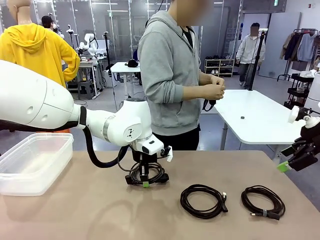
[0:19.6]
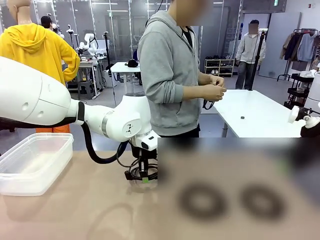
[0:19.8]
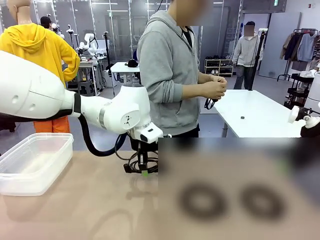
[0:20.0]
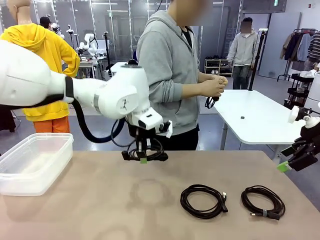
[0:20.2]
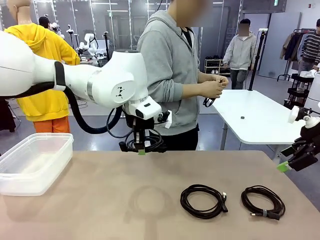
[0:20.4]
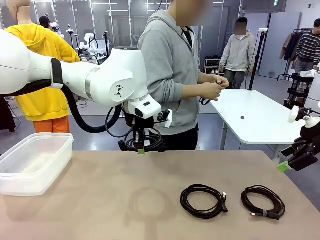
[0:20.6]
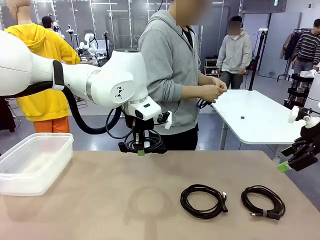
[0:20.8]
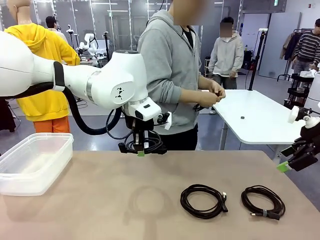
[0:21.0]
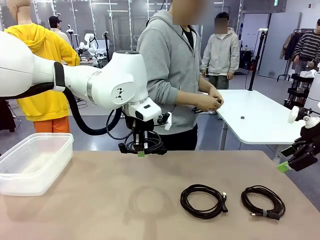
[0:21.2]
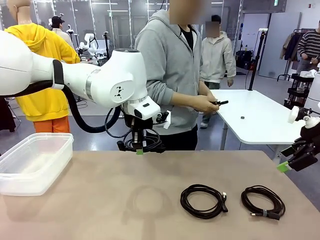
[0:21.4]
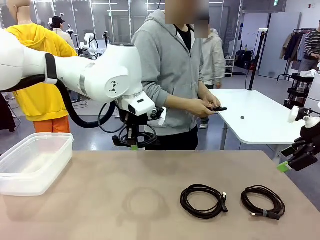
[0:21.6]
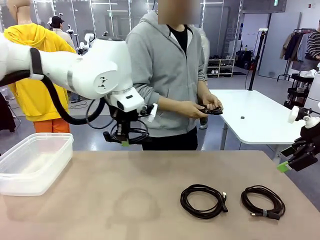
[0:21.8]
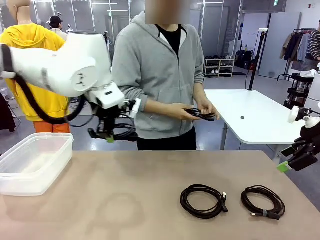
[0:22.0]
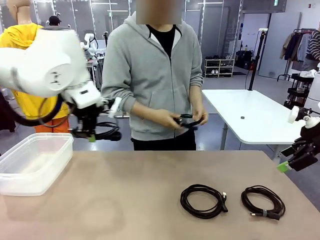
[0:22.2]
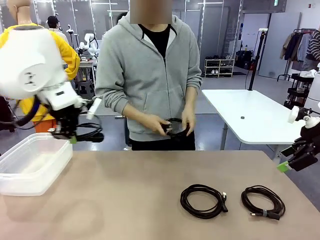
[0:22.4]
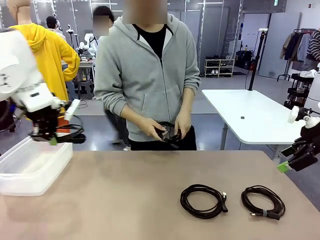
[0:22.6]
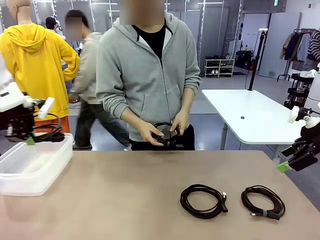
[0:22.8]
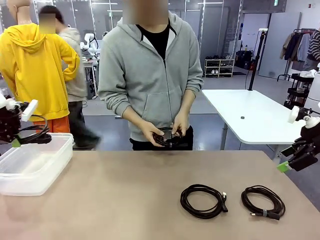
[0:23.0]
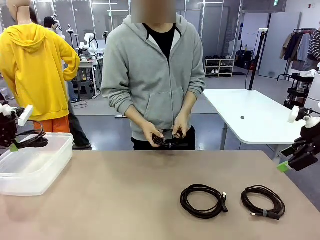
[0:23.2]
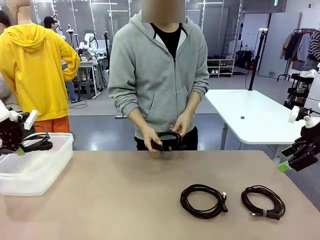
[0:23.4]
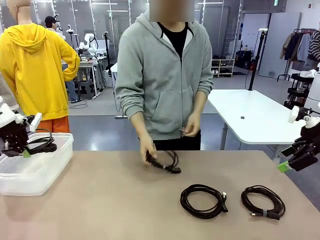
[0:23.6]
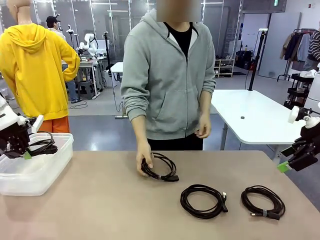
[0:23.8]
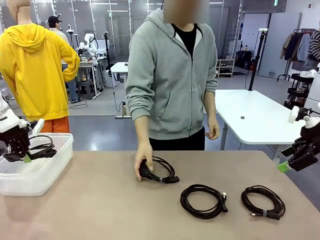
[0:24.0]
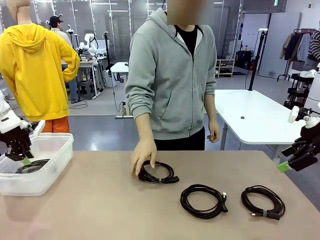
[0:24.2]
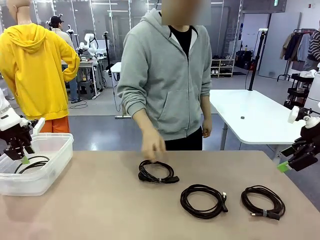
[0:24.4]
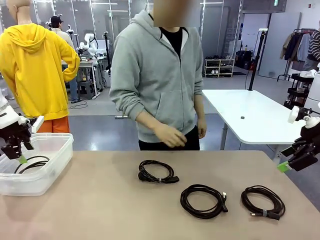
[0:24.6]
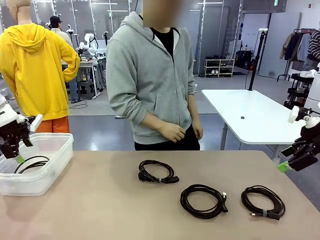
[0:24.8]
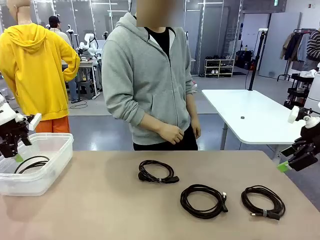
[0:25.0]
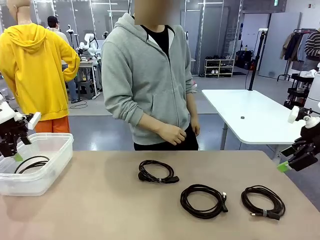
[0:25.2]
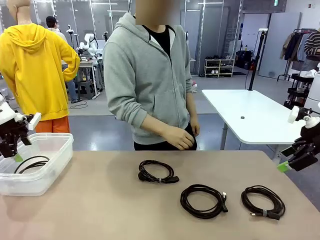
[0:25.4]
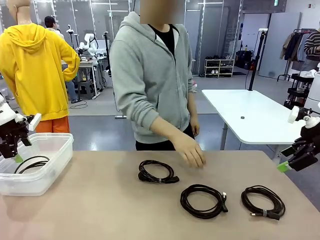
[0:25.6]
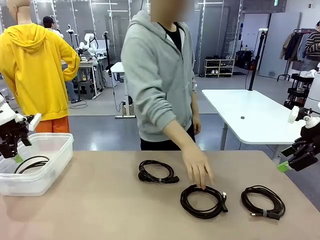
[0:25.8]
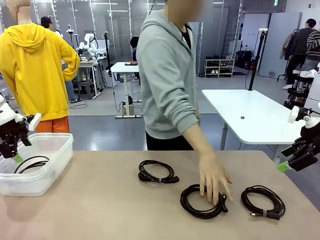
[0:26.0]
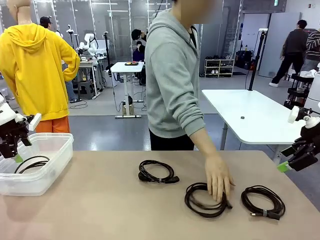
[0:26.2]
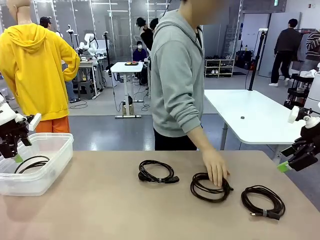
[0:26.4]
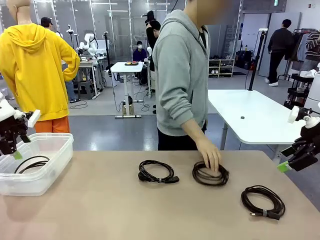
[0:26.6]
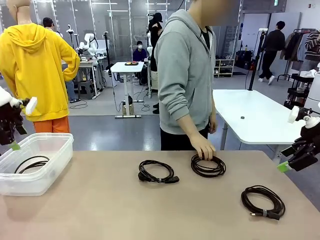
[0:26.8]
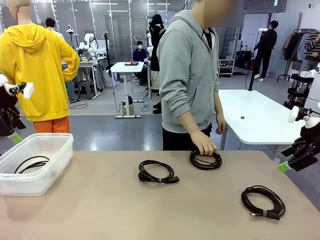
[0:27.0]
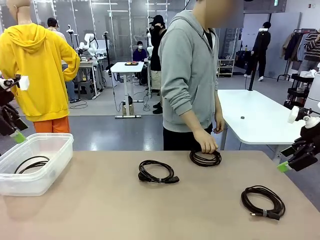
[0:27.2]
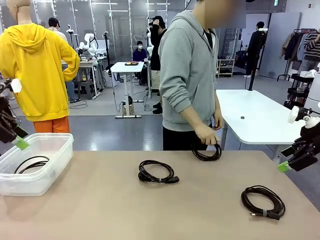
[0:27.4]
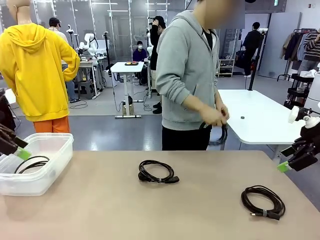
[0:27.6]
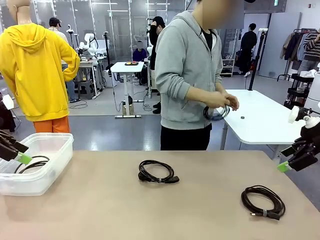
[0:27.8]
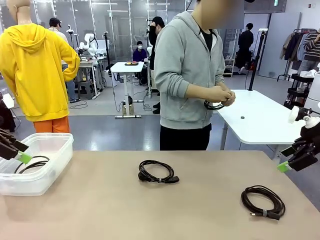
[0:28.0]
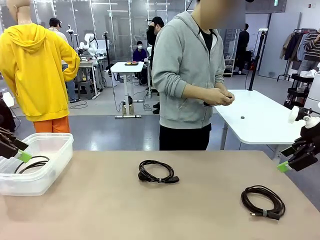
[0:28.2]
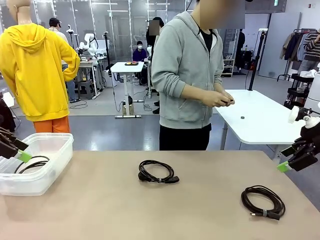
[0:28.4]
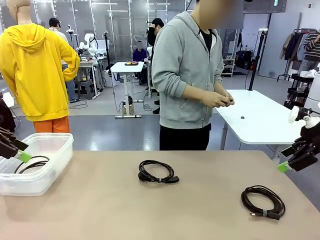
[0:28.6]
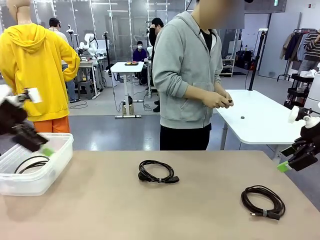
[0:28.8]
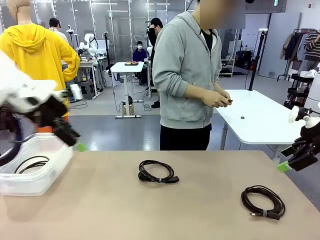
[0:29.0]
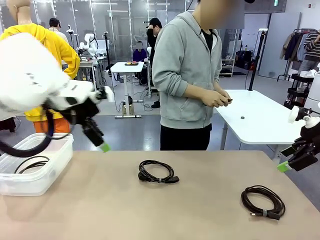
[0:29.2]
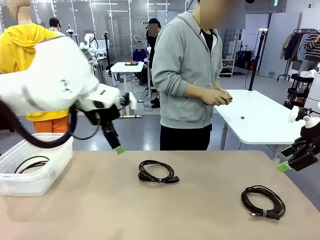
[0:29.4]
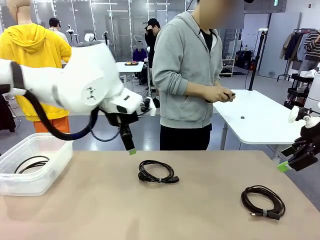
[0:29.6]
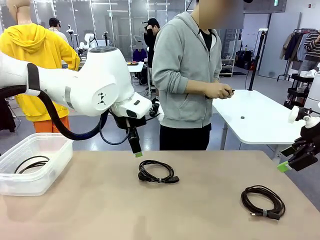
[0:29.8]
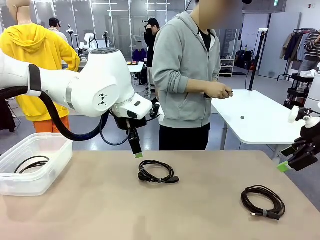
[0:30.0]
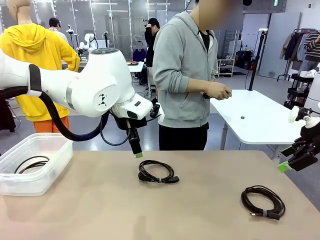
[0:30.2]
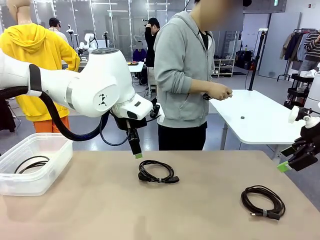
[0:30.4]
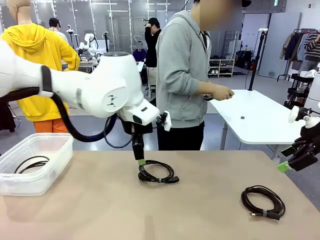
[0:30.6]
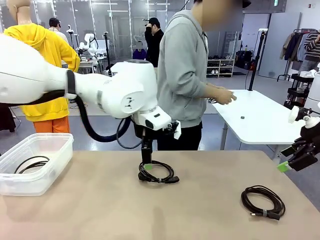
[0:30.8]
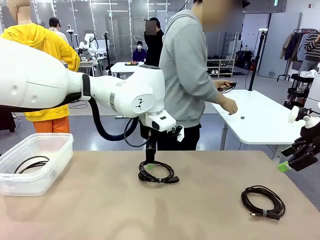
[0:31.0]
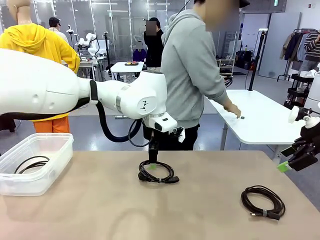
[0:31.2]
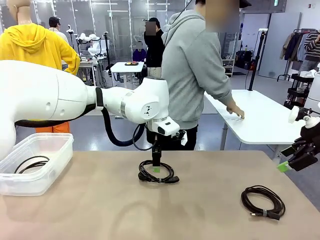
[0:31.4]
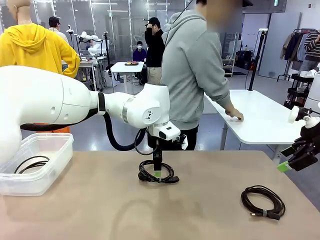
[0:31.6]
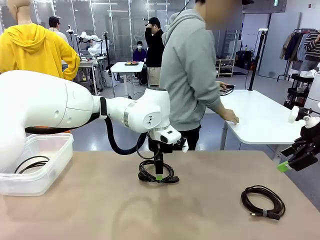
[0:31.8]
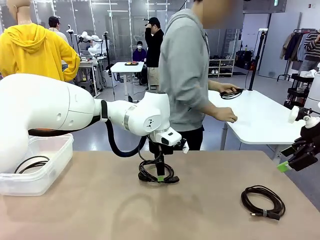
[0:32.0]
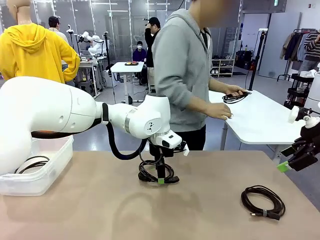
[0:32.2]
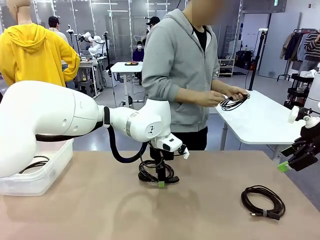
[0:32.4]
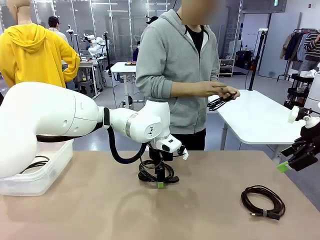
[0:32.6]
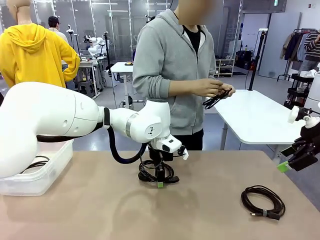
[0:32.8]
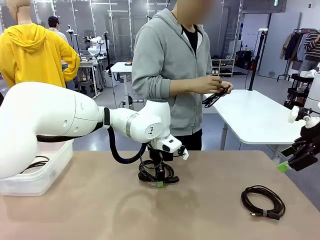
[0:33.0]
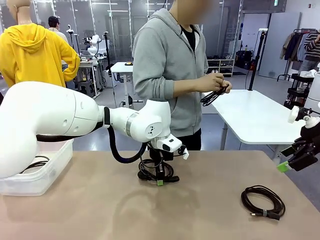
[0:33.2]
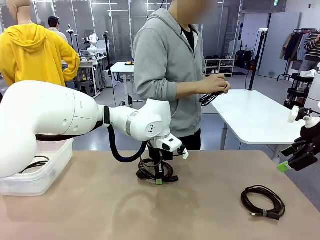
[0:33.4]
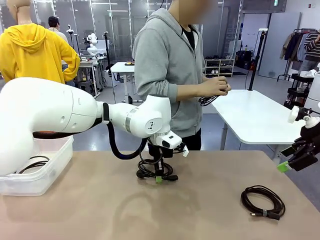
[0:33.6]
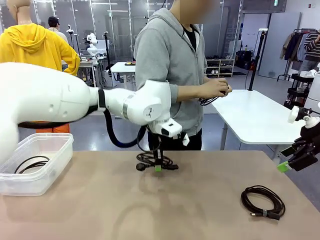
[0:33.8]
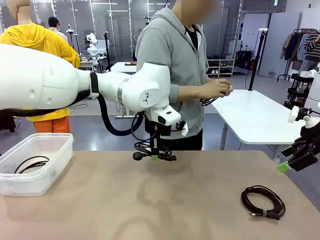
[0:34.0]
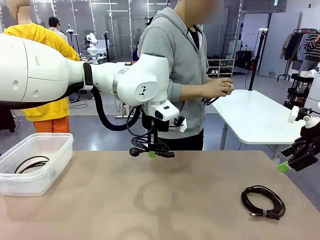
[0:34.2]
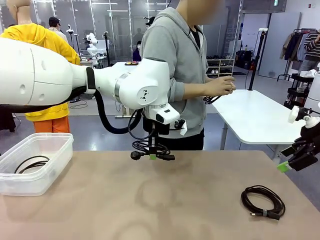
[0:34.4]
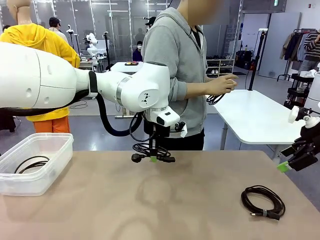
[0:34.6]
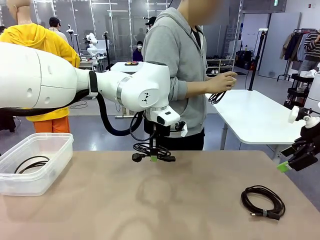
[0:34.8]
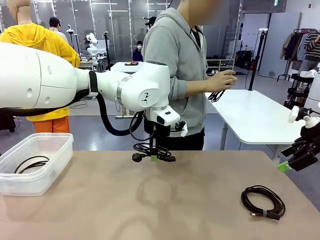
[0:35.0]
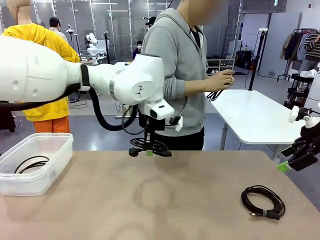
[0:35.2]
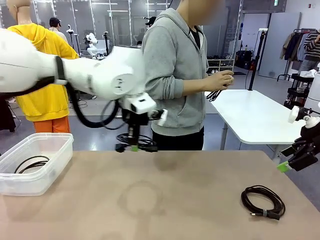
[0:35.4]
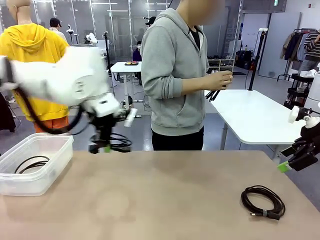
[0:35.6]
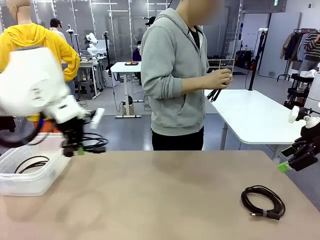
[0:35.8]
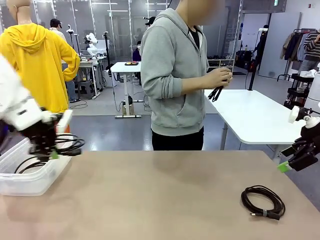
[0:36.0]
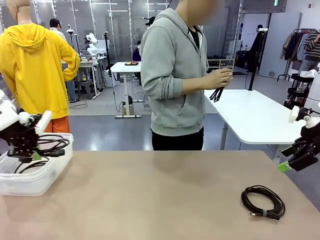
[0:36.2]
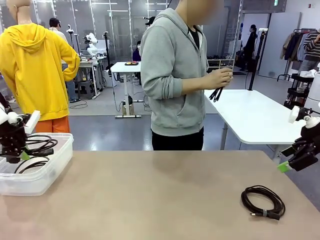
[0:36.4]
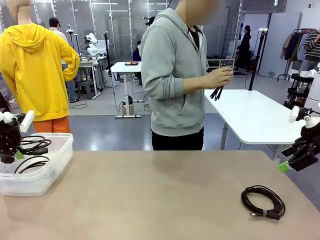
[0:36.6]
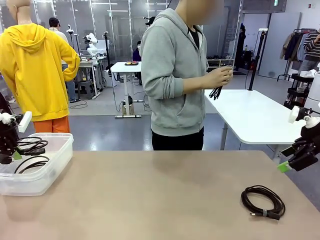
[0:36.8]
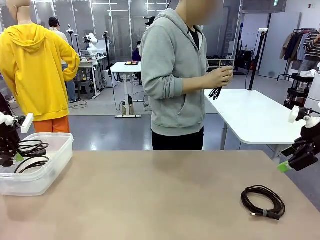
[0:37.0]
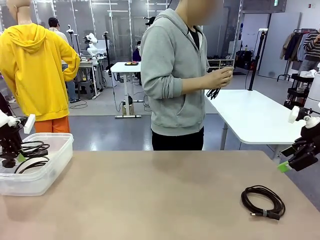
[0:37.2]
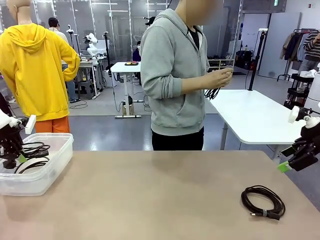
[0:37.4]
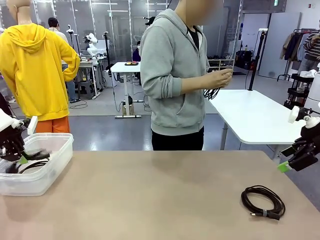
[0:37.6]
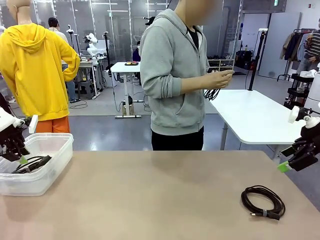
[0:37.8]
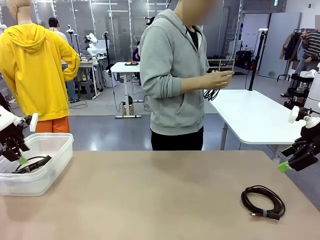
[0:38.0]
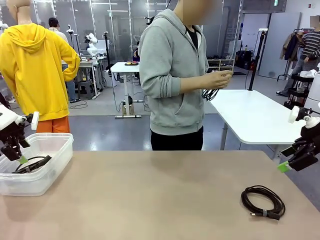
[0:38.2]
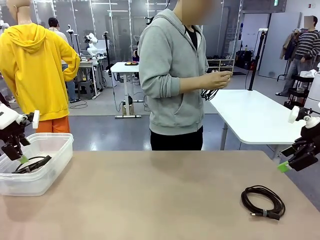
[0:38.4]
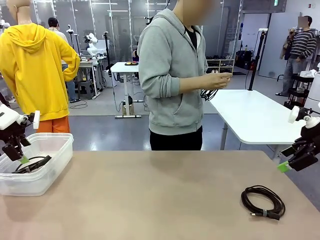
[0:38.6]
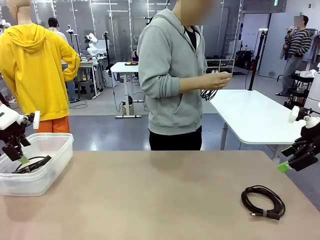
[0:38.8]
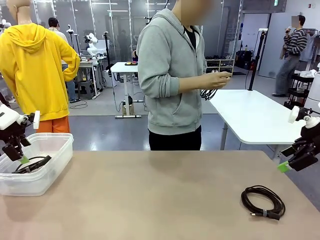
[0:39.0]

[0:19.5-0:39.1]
Task: Organize and store the cables.
Robot: Place the Power Cable into the Organizing box.
